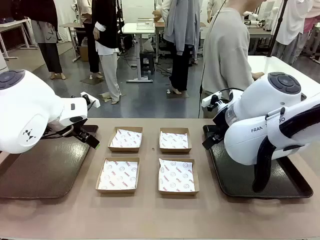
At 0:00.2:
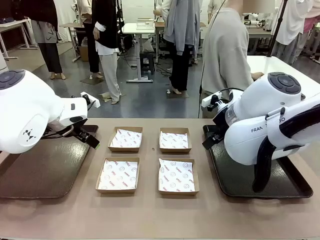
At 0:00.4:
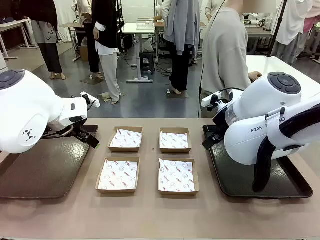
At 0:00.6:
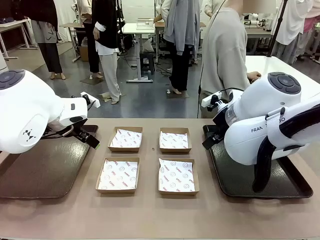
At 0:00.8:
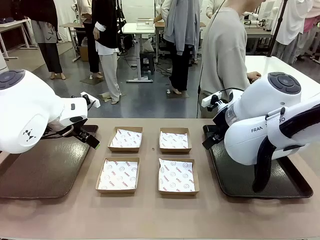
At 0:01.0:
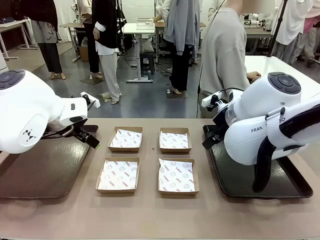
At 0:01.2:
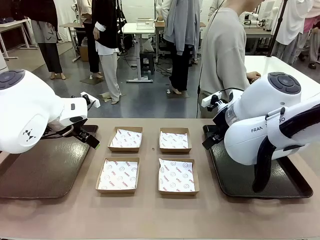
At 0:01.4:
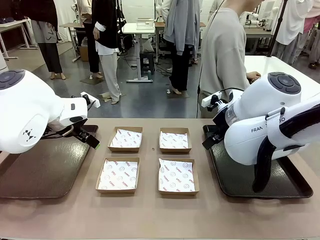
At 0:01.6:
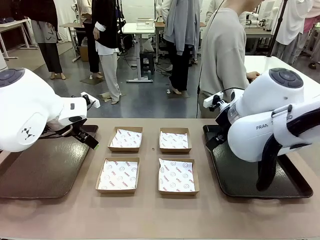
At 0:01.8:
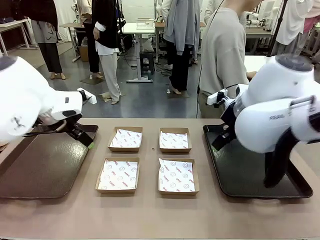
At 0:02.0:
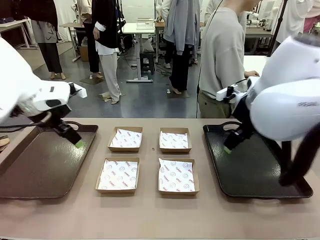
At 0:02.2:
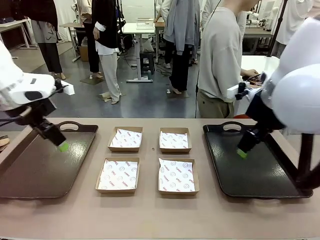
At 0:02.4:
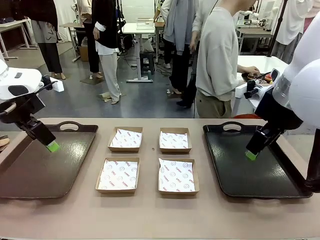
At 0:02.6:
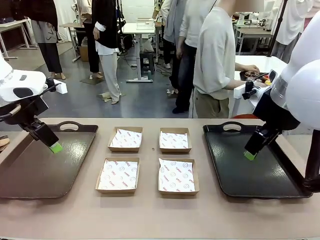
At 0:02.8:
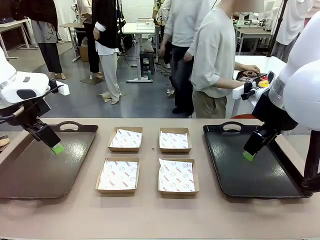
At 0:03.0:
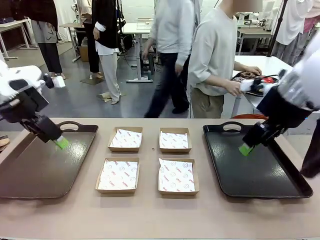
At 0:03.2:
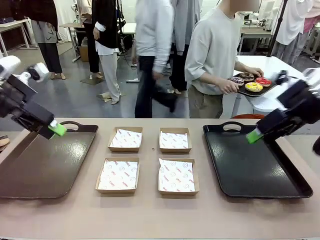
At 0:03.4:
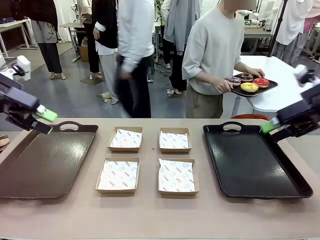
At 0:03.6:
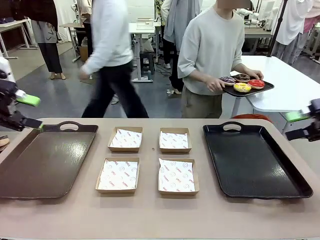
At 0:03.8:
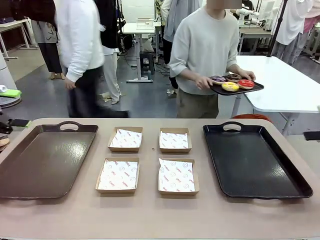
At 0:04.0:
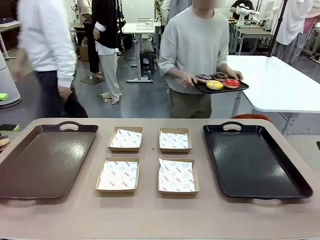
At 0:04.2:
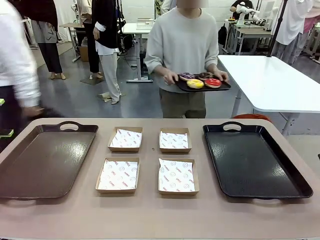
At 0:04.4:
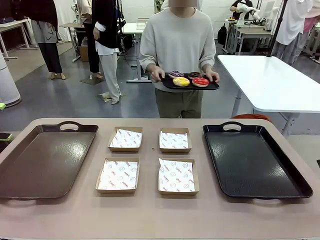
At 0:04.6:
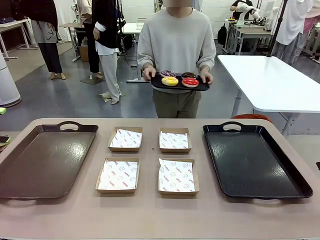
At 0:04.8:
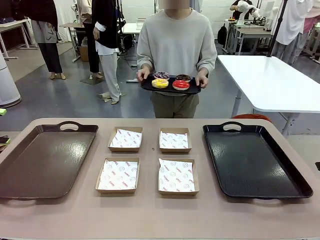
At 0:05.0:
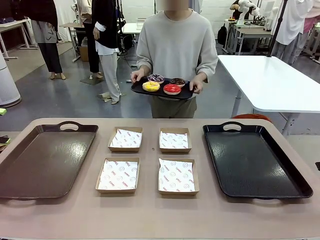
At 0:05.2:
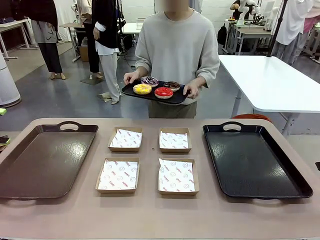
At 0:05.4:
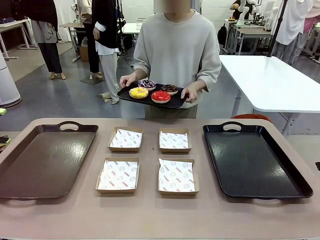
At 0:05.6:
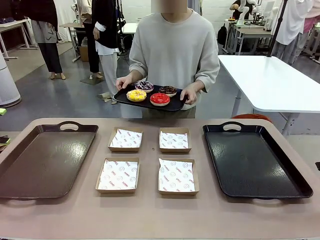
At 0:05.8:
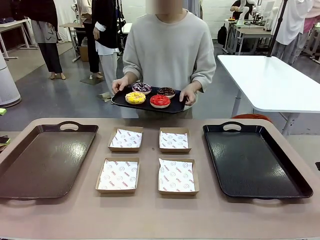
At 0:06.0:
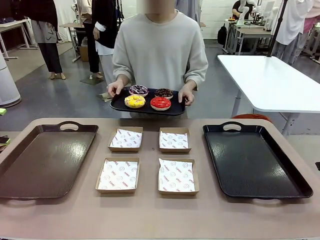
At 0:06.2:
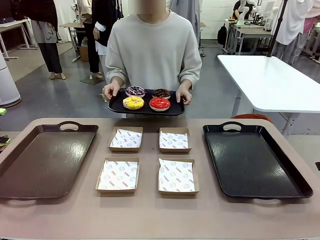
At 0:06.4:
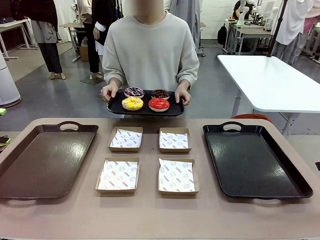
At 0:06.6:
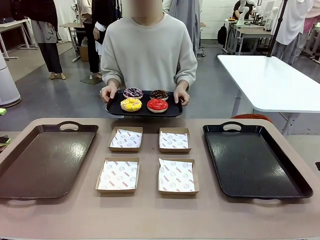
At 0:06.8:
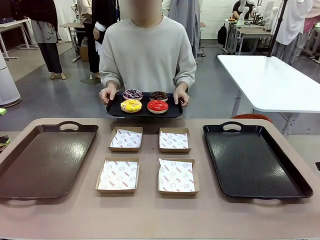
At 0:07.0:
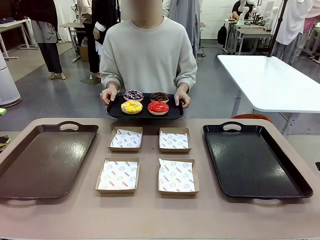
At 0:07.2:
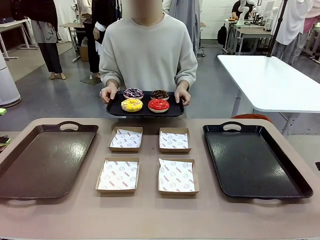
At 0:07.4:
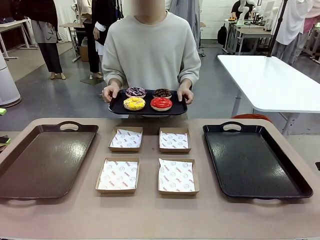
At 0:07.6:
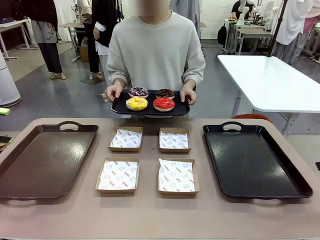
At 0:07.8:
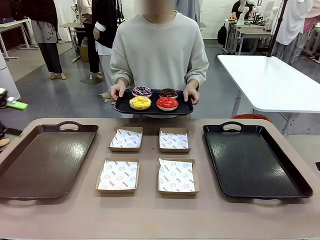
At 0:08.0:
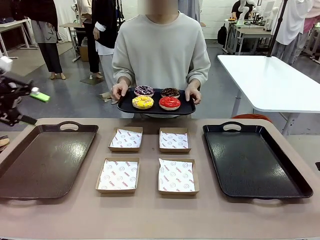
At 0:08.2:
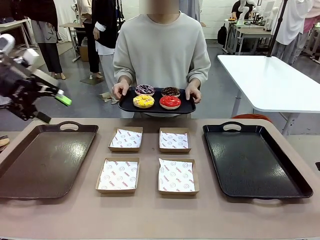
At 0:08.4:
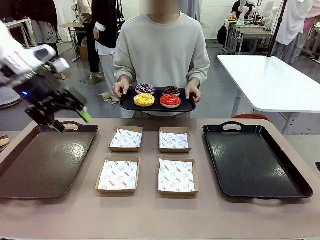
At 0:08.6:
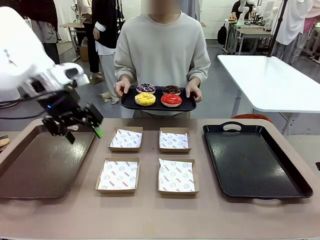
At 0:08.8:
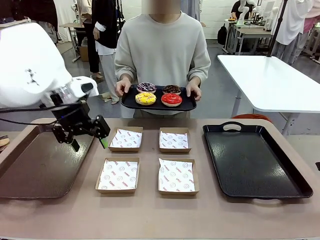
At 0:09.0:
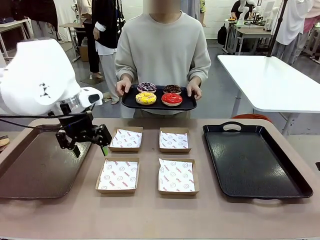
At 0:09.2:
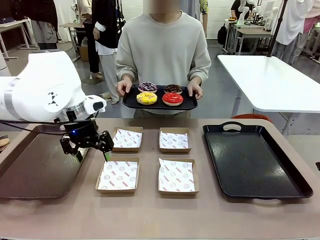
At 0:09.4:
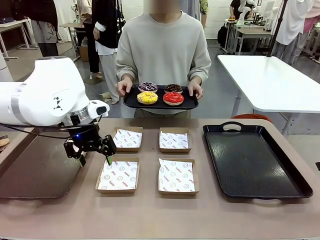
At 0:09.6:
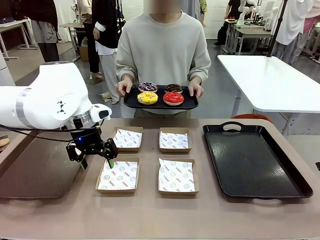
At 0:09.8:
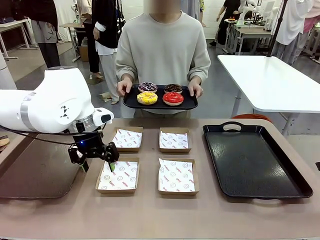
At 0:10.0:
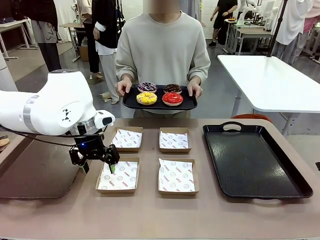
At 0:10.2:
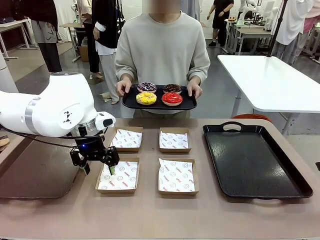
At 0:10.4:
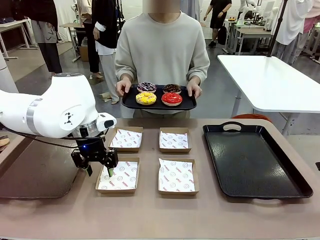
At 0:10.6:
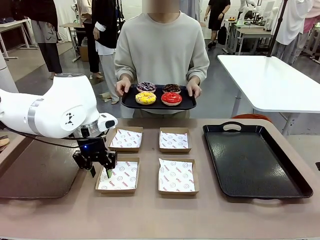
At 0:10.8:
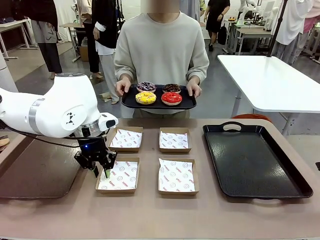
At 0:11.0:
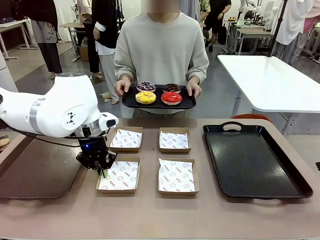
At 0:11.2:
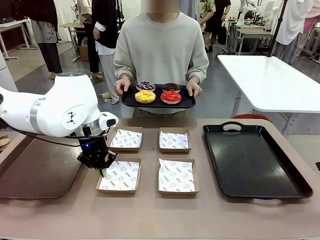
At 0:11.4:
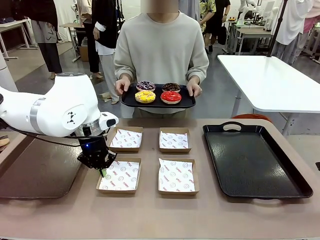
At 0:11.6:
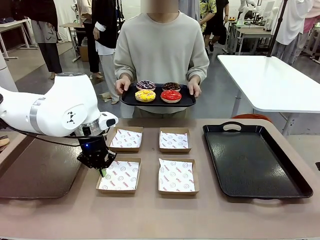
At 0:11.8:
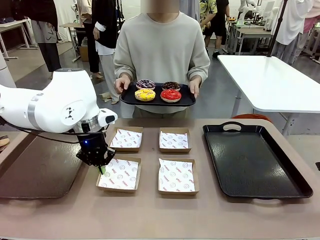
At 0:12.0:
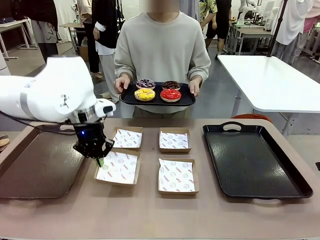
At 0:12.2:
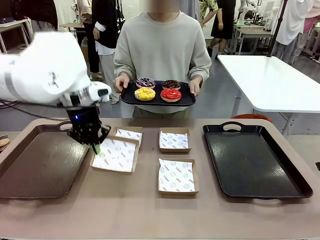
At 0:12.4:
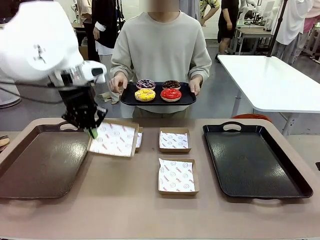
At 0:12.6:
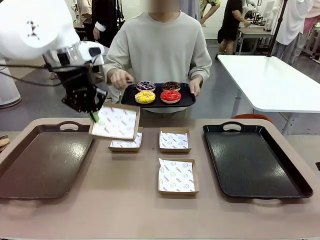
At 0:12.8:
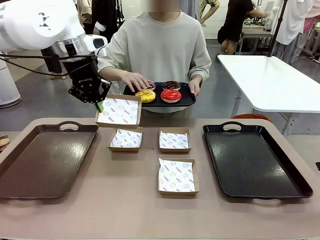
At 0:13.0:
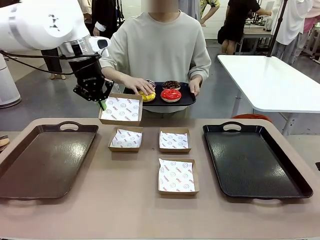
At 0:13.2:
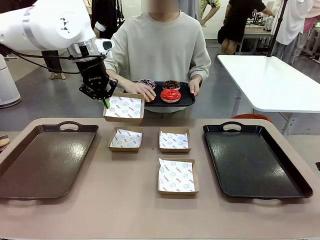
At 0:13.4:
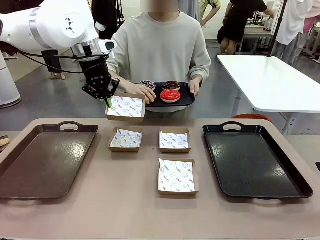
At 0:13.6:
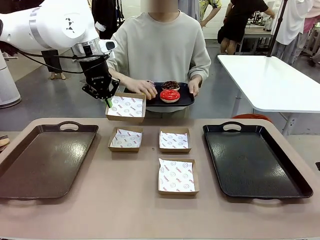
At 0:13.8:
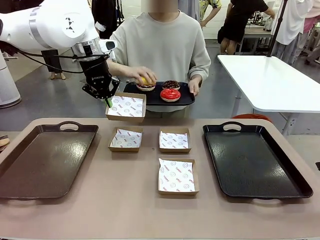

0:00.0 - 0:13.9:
Task: Individually package the donuts and arrange them on the tray.
Robot: Pick up one Paper togo box.
Person: Stand in front of the robot table holding the tray containing the donuts.
